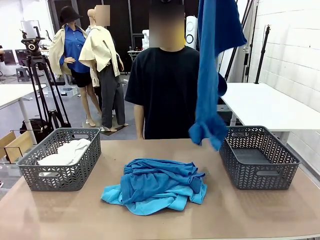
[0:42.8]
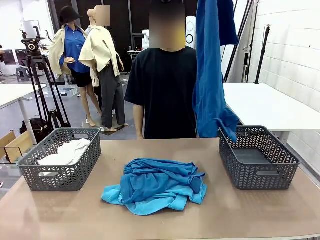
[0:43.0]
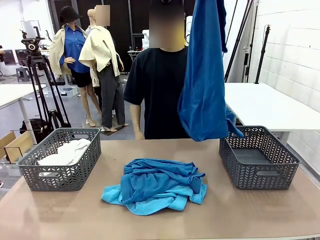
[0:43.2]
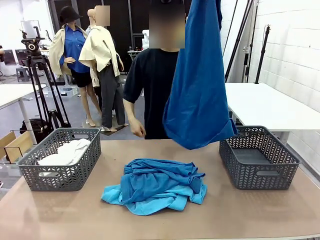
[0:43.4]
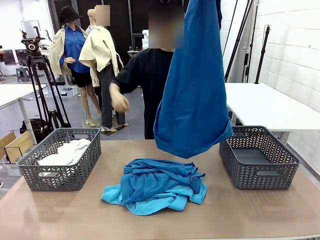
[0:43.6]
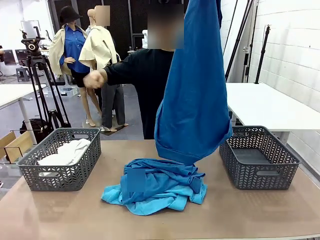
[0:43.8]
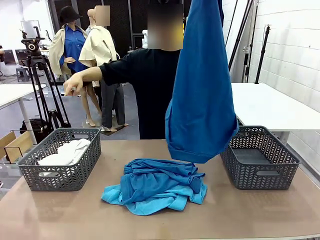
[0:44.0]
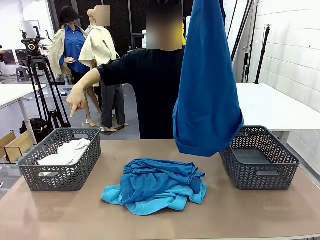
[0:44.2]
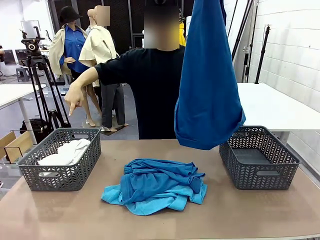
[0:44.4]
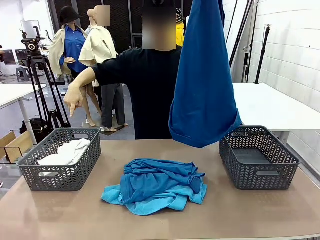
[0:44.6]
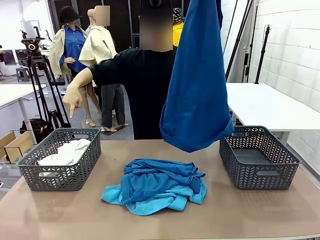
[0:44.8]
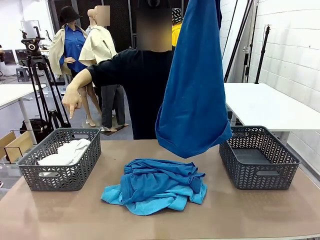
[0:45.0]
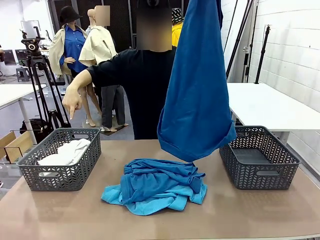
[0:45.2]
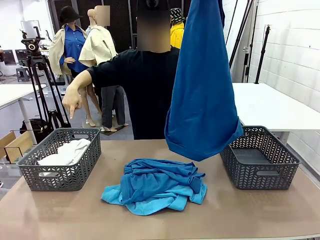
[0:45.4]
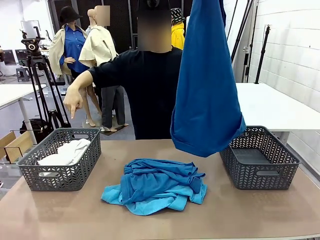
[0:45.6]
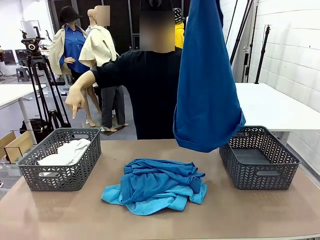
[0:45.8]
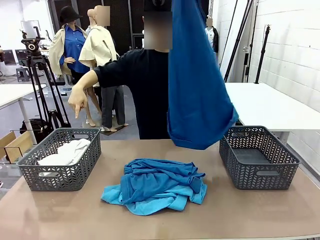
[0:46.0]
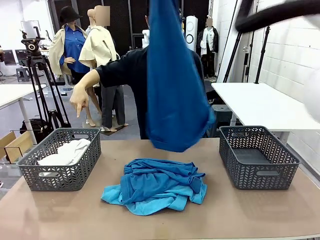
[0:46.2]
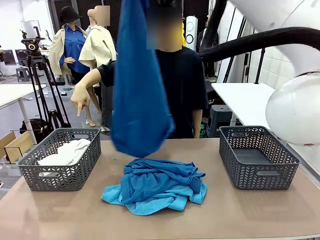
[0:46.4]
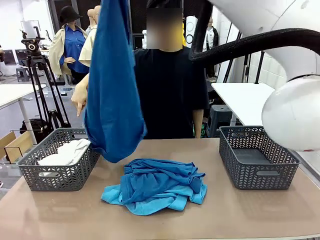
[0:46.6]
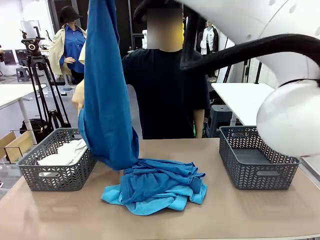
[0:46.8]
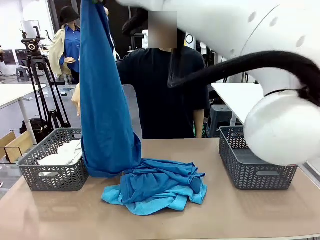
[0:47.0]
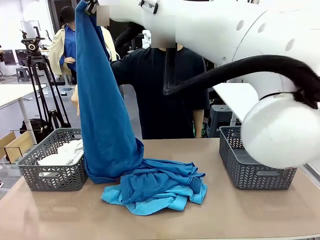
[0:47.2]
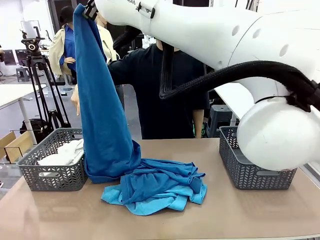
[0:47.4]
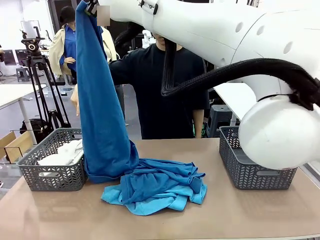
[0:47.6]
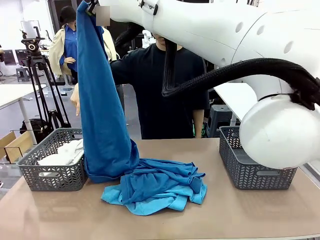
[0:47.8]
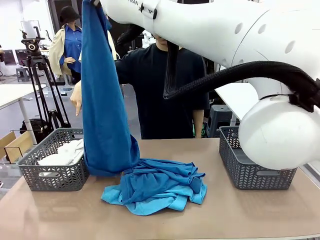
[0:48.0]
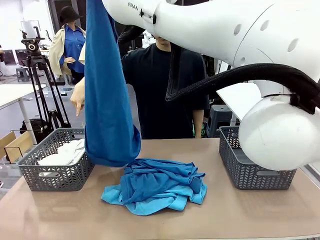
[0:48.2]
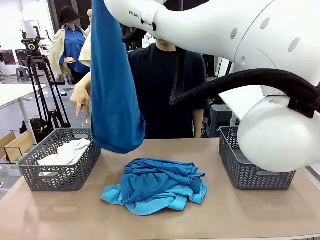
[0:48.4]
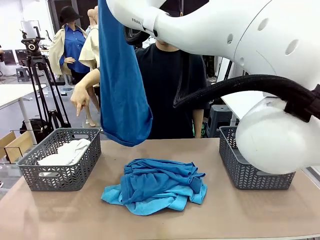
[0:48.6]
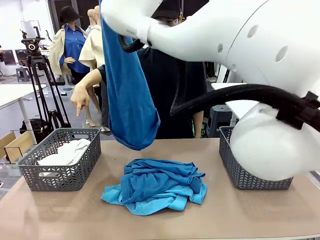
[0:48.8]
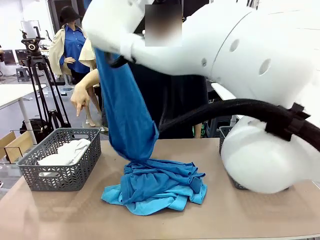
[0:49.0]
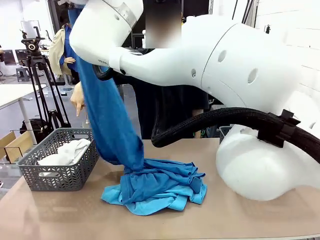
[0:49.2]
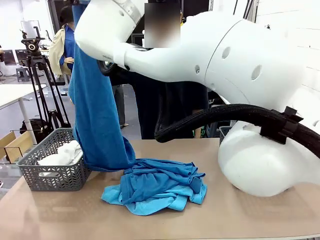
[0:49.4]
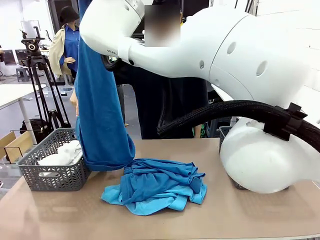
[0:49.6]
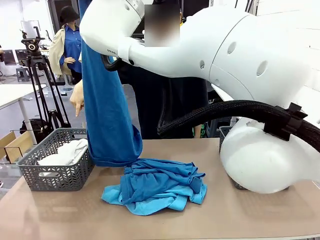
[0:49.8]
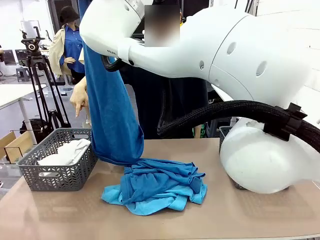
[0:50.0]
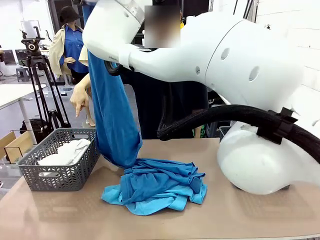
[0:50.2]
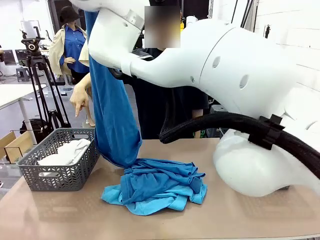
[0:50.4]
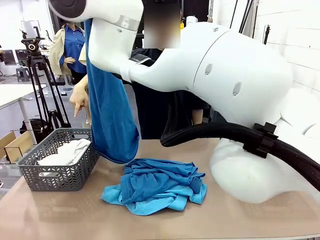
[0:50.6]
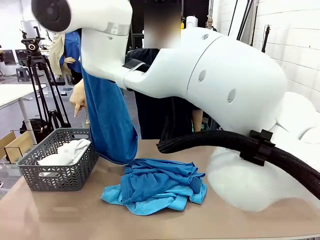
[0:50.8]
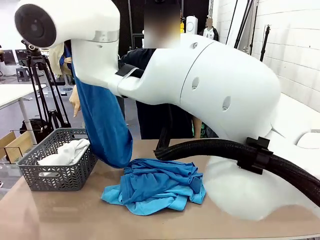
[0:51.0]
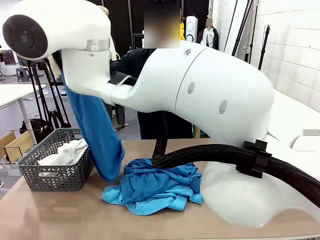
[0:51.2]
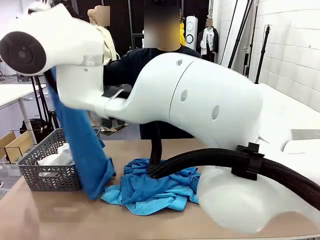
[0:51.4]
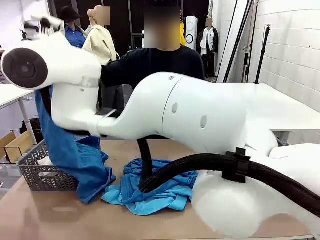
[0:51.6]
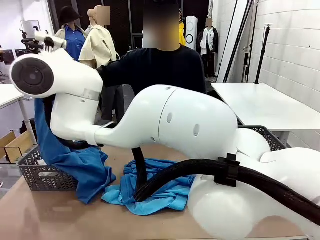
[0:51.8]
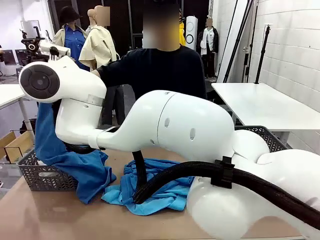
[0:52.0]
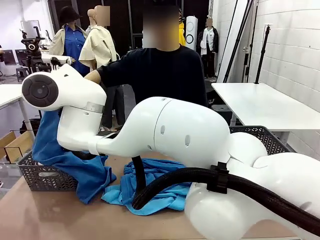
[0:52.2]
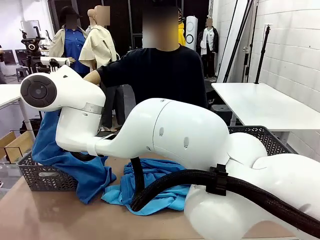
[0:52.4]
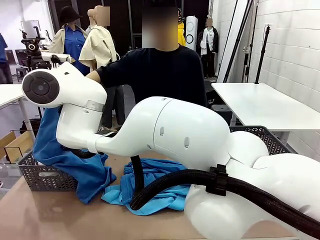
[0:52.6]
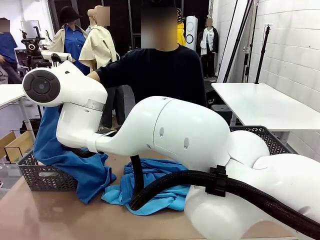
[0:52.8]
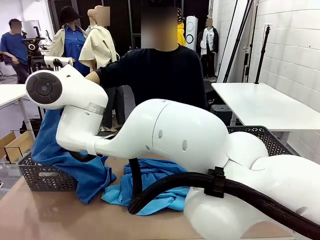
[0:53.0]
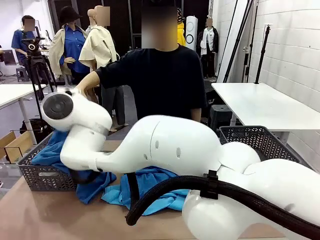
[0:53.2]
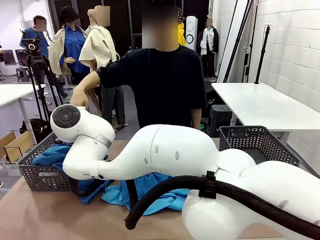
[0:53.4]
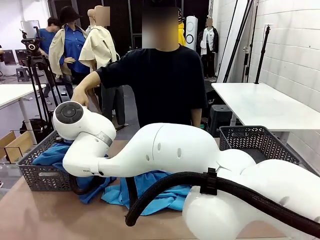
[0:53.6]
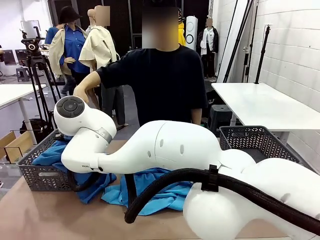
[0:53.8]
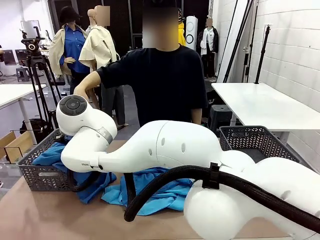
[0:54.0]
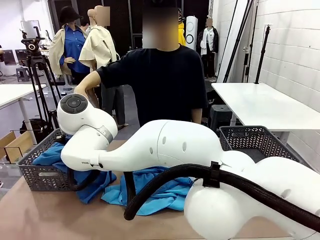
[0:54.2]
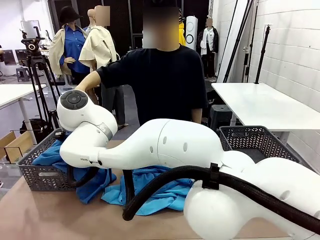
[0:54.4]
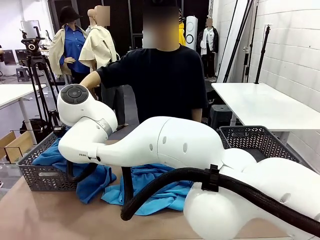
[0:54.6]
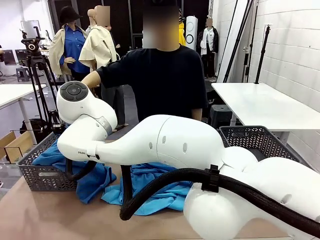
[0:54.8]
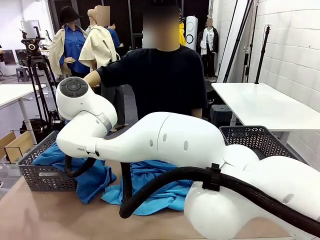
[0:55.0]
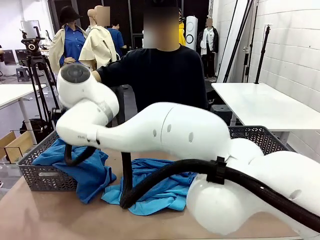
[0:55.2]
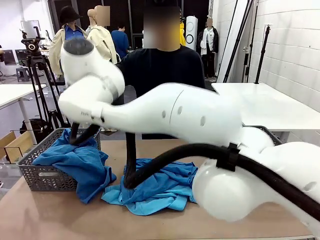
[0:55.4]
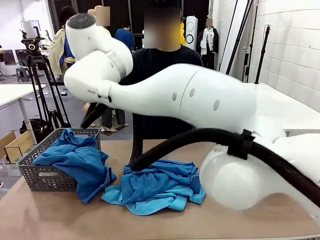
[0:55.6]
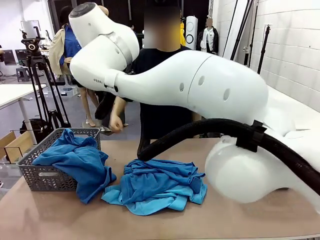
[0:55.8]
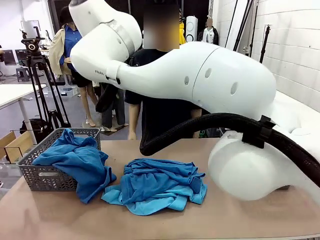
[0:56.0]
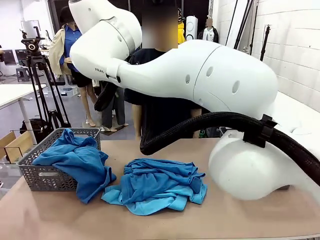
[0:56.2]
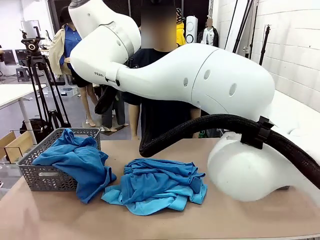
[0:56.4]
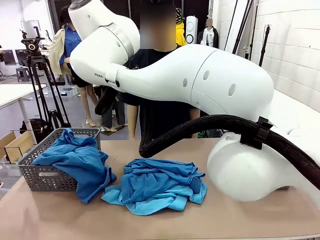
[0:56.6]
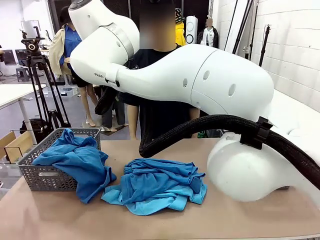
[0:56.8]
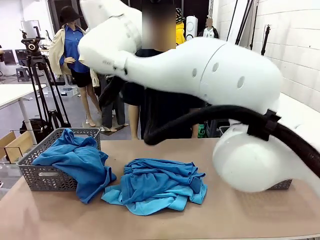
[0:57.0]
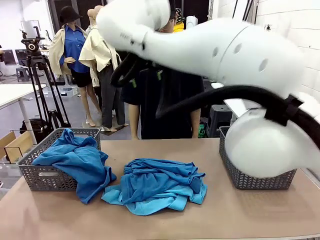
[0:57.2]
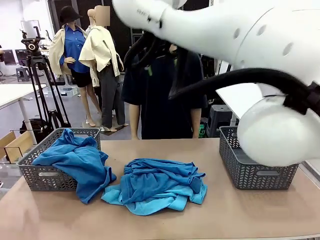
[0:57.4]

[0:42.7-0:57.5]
Task: Sort the tops and bottoms.
Robot: Sort the clothes according to human instructions.

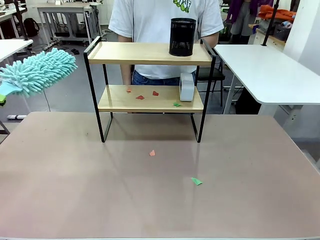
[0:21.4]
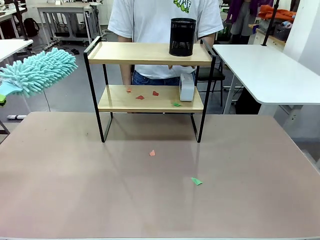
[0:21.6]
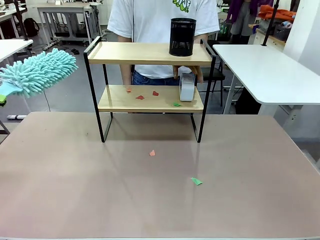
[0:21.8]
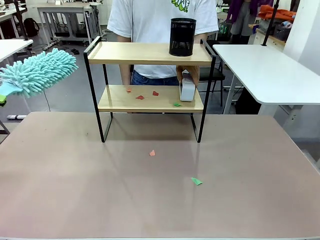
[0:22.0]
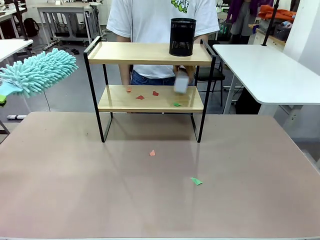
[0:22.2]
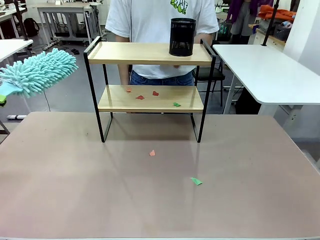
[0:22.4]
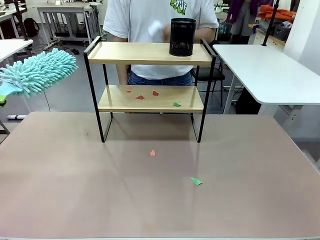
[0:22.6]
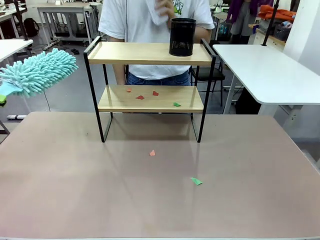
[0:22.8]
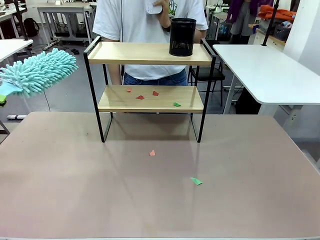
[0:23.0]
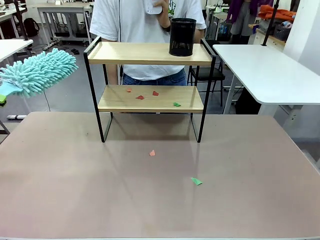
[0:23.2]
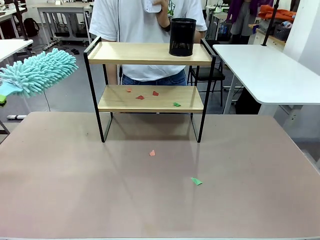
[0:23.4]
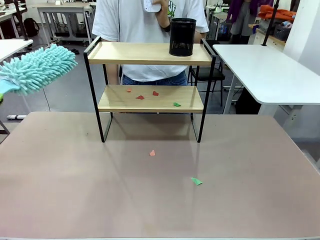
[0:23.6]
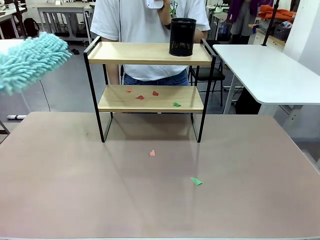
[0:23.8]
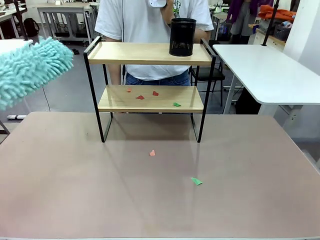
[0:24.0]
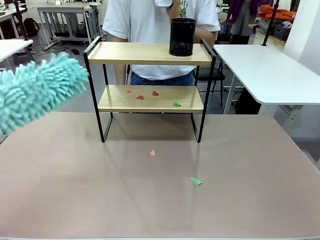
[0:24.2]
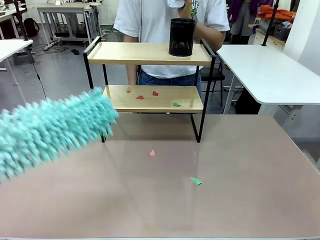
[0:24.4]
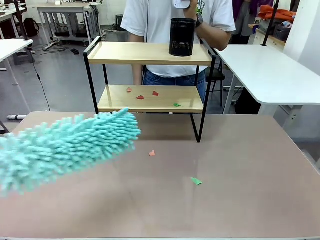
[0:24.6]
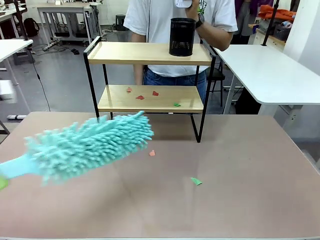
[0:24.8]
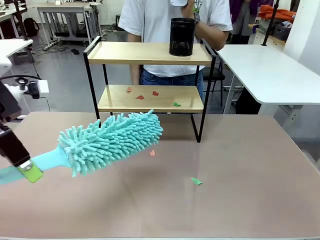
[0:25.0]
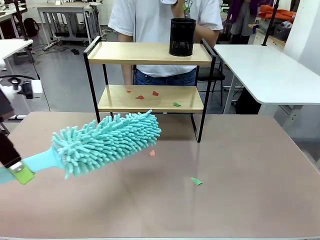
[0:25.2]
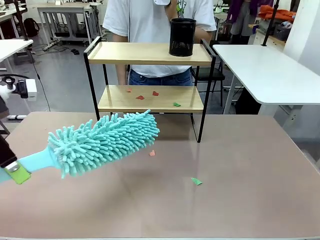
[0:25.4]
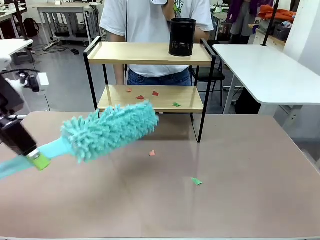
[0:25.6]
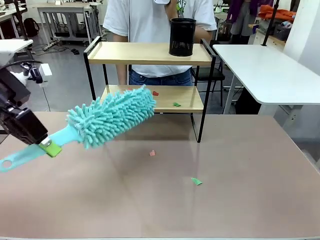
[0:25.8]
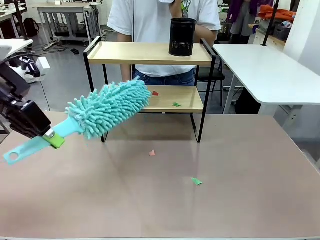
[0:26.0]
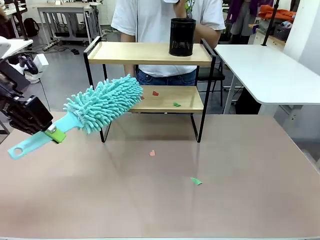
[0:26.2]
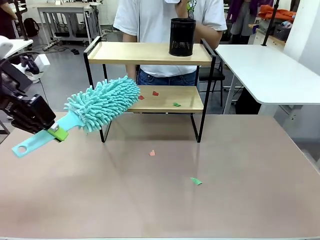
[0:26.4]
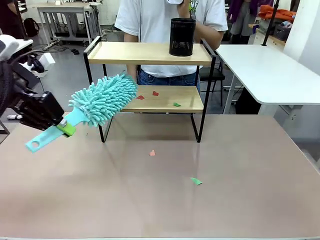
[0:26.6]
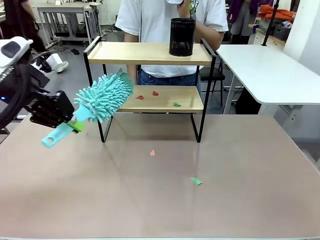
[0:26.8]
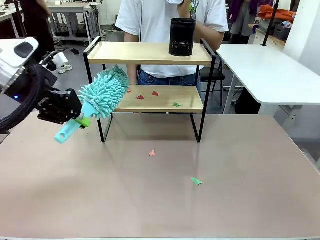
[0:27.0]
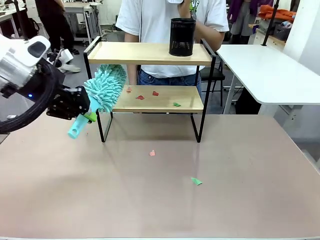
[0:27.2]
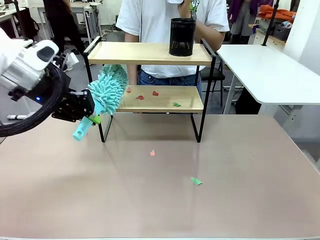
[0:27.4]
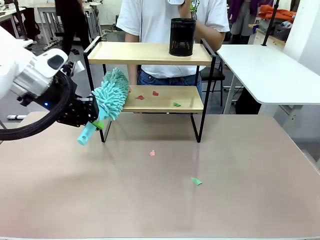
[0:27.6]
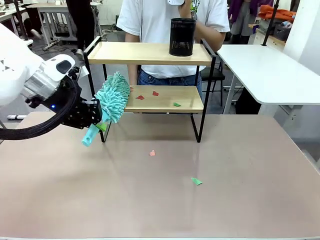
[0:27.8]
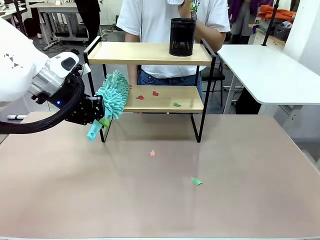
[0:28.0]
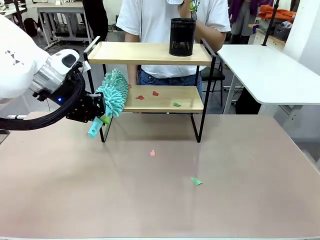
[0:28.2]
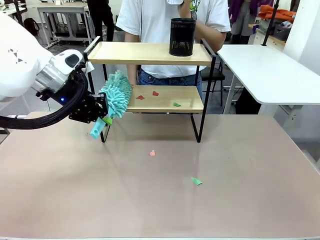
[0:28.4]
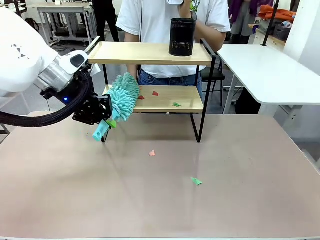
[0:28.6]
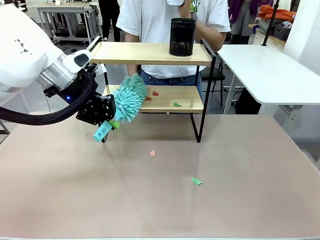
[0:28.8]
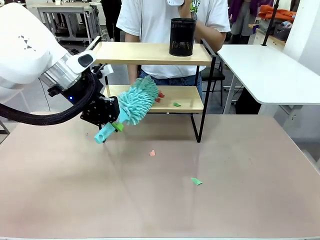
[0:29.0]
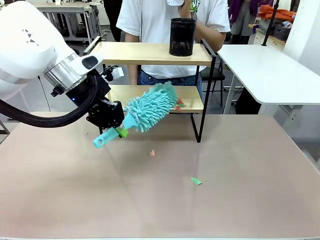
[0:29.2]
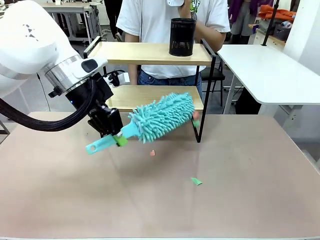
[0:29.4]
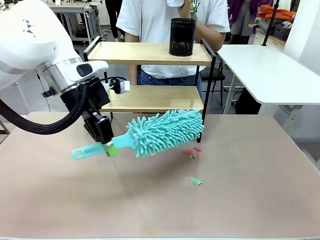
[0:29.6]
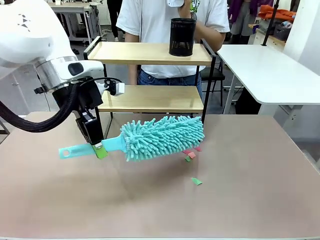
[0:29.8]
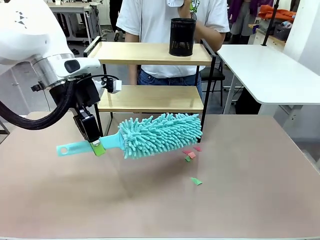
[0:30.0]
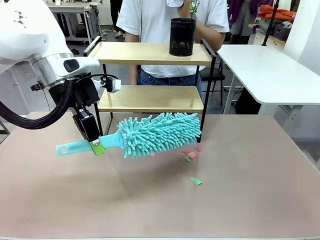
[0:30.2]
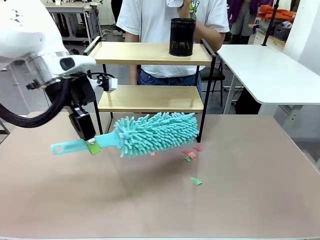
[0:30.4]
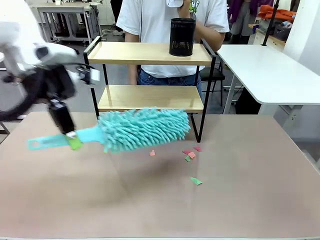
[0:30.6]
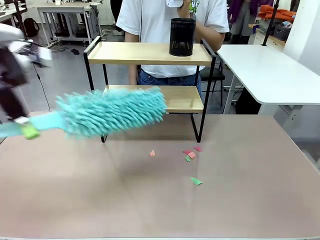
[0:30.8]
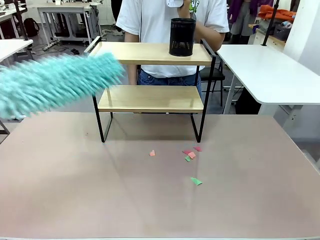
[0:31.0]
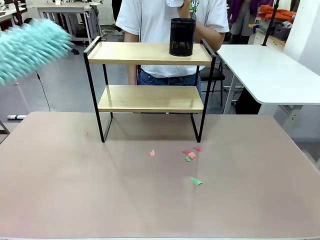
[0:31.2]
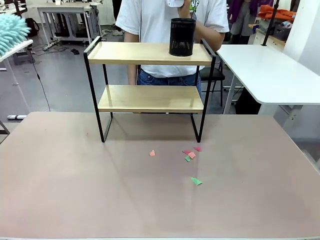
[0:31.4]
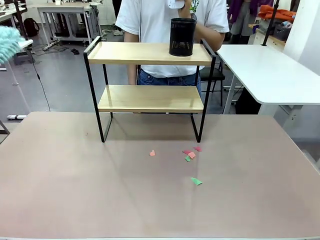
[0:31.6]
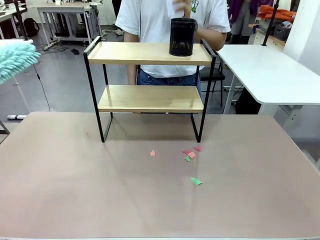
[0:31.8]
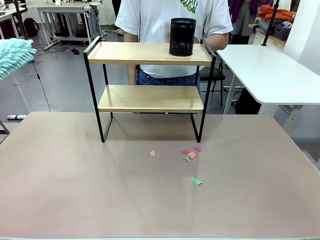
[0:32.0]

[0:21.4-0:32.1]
Task: Clean the shelf.
Robot: Clean the remaining tier of the Shelf with the Duster once objects are removed.
